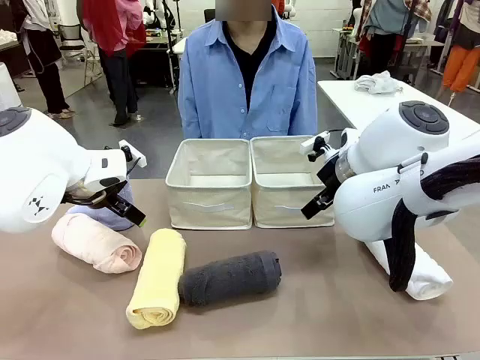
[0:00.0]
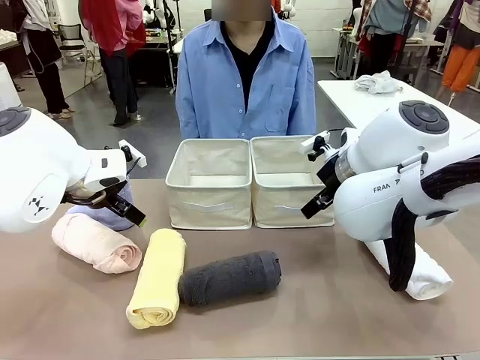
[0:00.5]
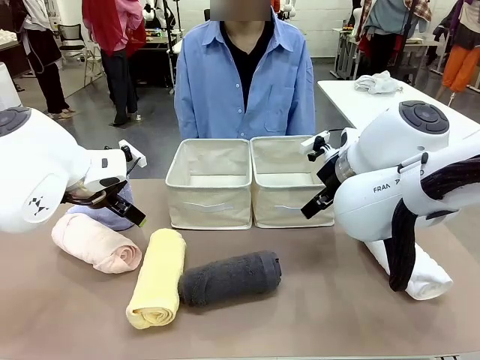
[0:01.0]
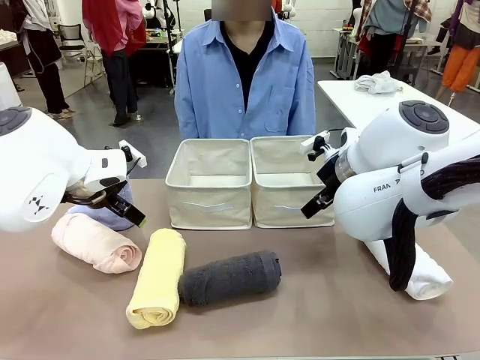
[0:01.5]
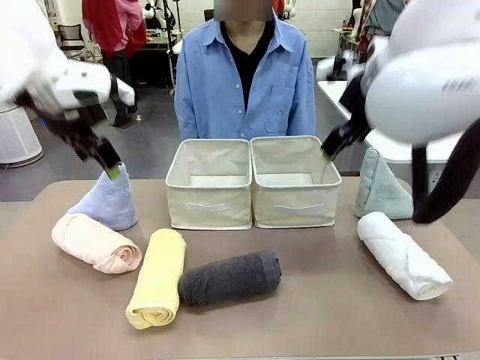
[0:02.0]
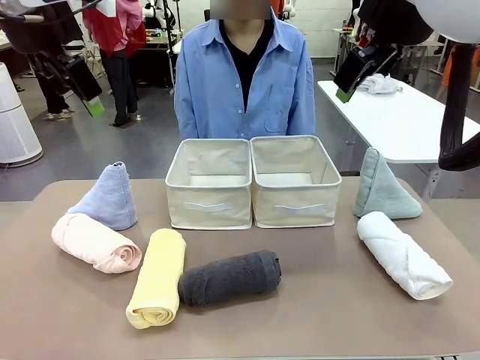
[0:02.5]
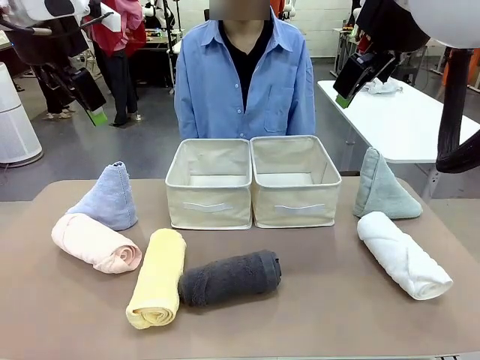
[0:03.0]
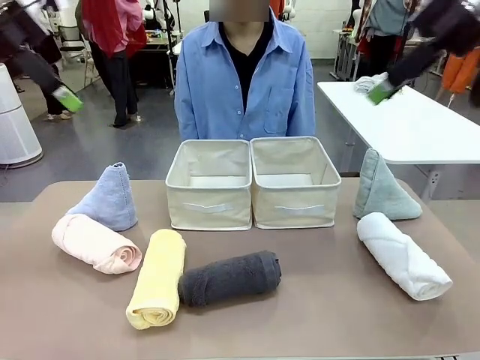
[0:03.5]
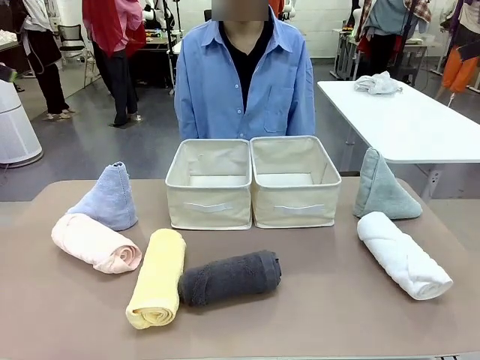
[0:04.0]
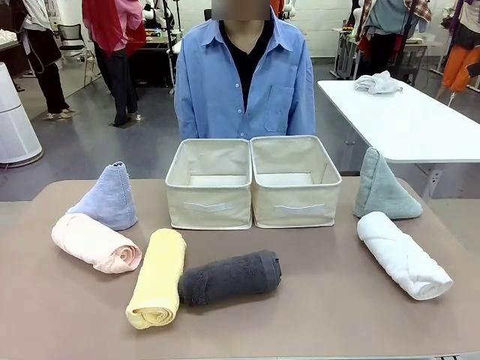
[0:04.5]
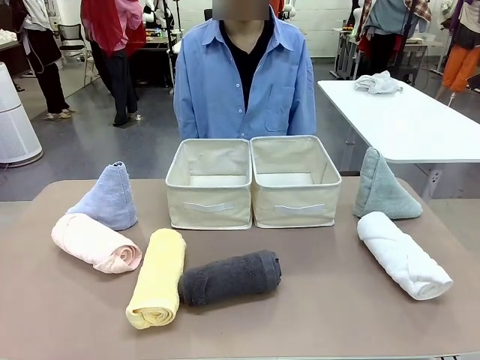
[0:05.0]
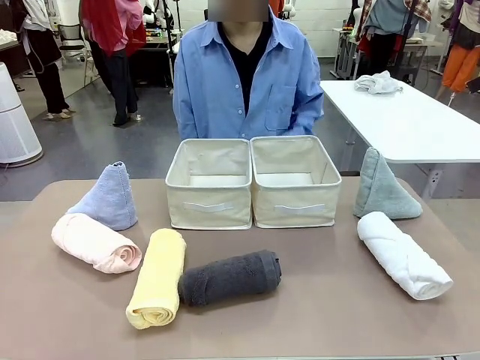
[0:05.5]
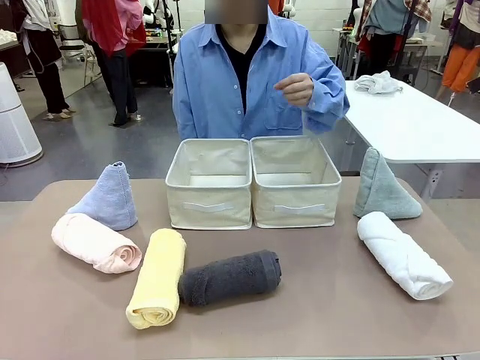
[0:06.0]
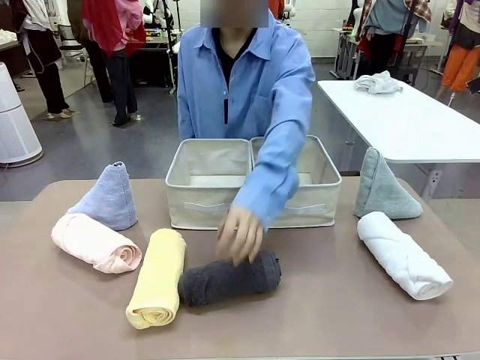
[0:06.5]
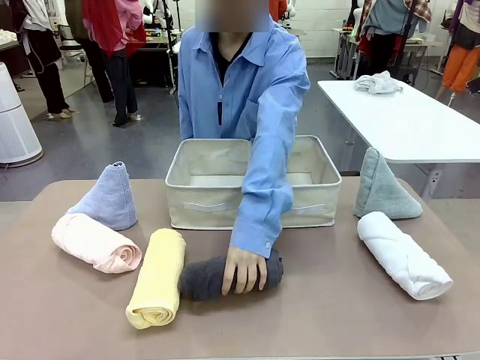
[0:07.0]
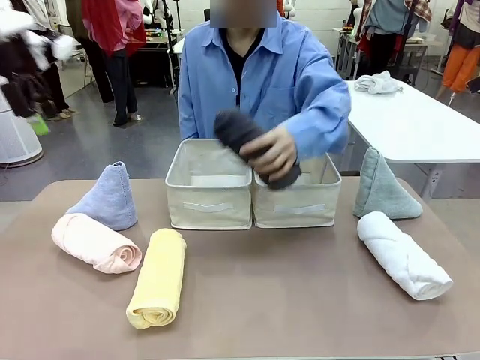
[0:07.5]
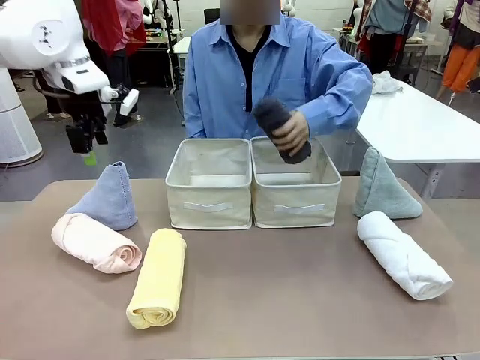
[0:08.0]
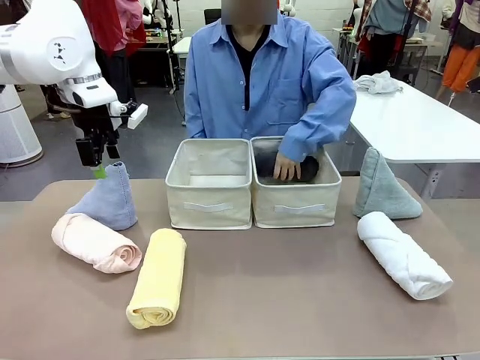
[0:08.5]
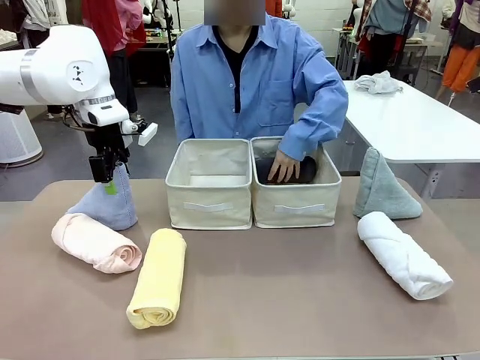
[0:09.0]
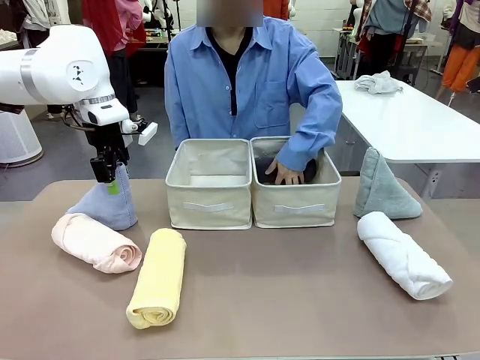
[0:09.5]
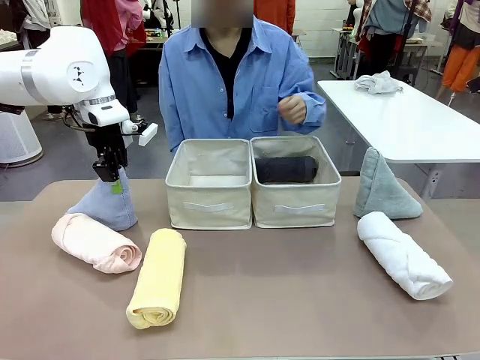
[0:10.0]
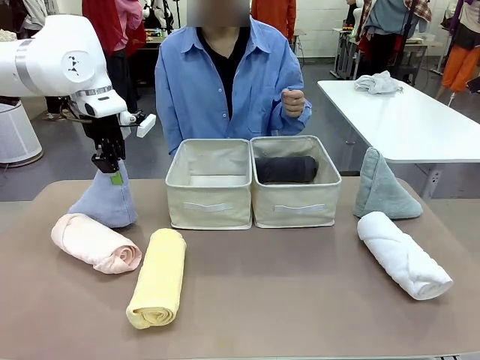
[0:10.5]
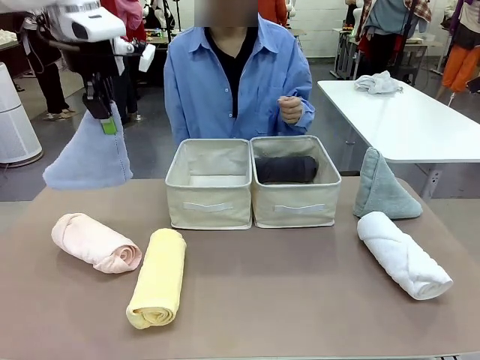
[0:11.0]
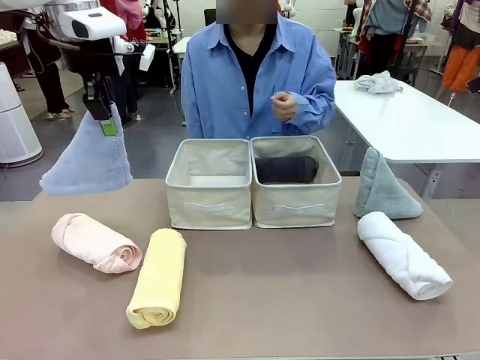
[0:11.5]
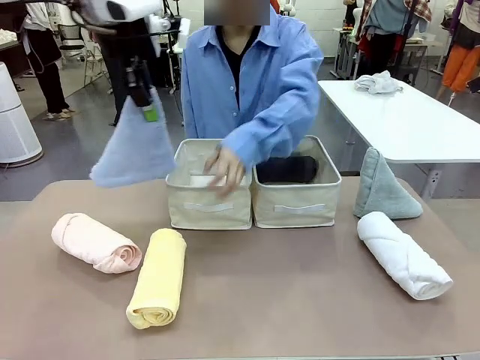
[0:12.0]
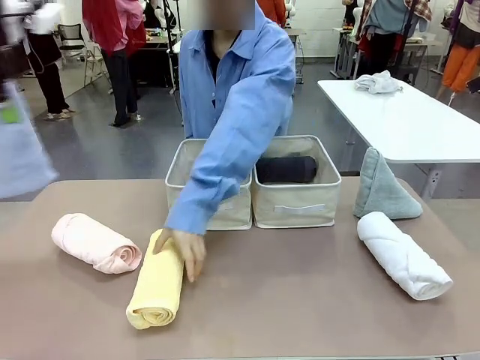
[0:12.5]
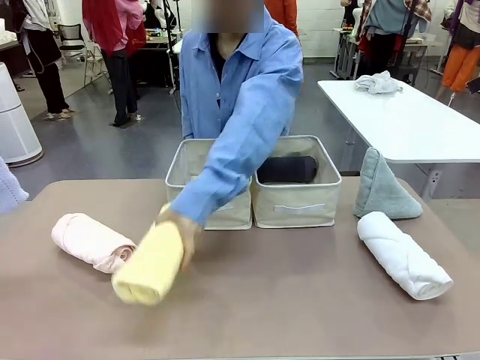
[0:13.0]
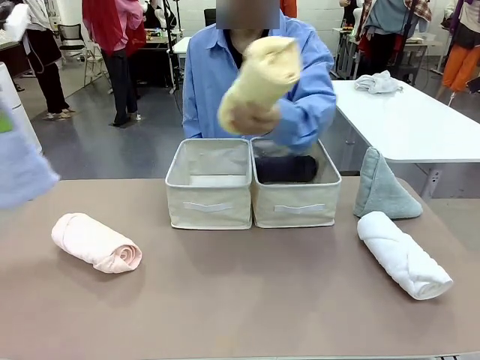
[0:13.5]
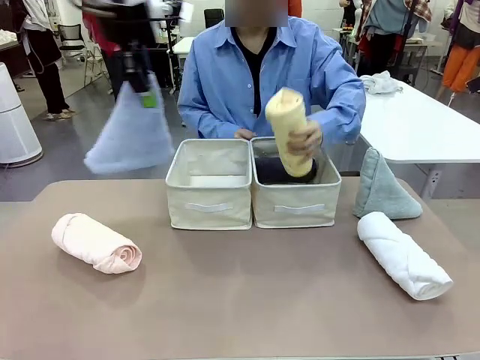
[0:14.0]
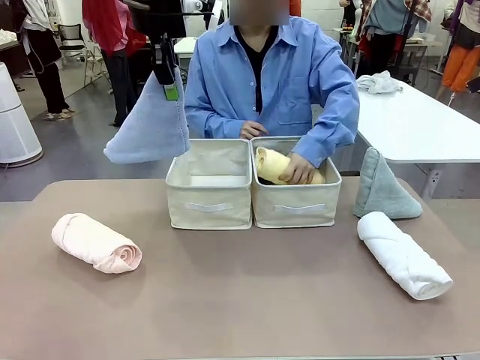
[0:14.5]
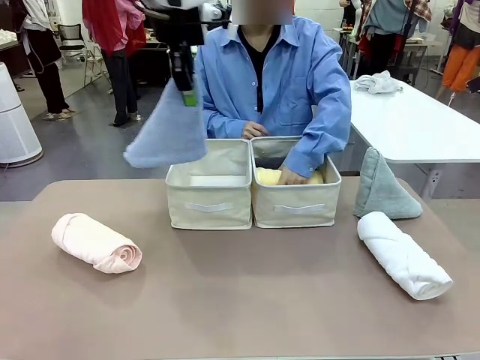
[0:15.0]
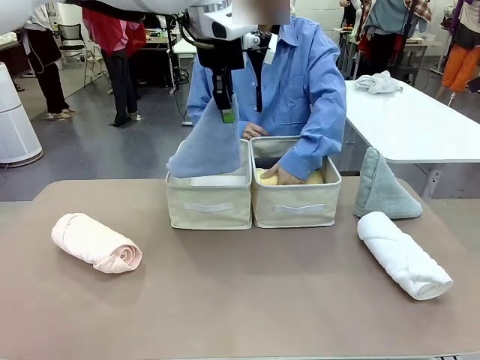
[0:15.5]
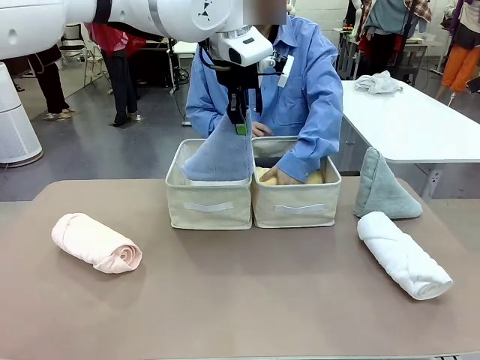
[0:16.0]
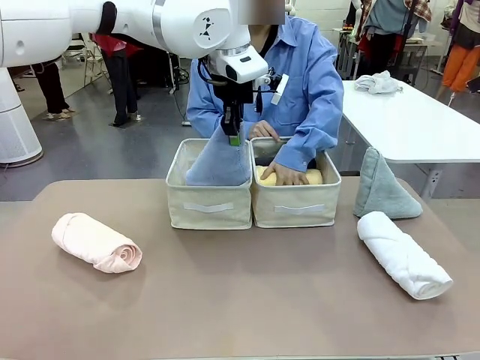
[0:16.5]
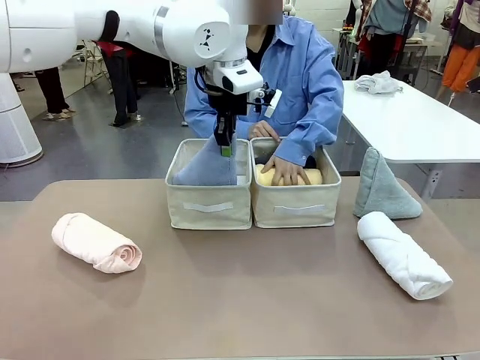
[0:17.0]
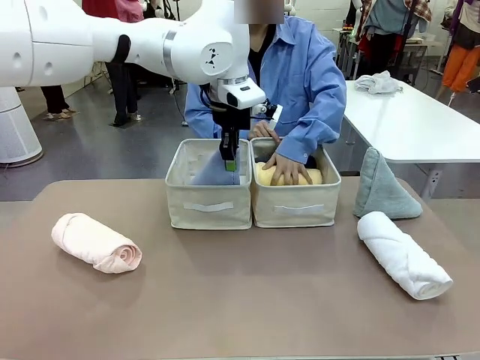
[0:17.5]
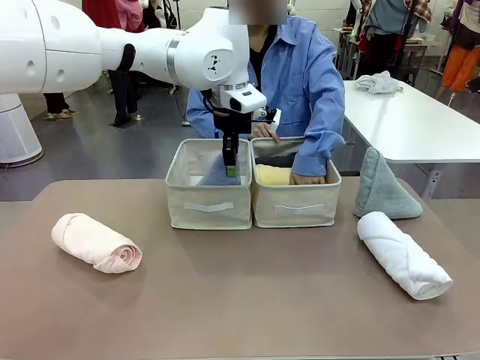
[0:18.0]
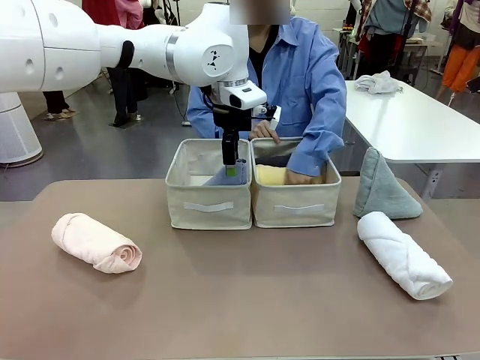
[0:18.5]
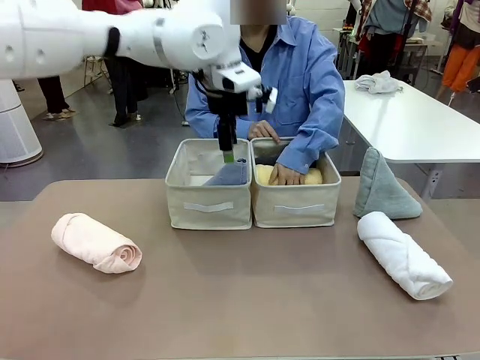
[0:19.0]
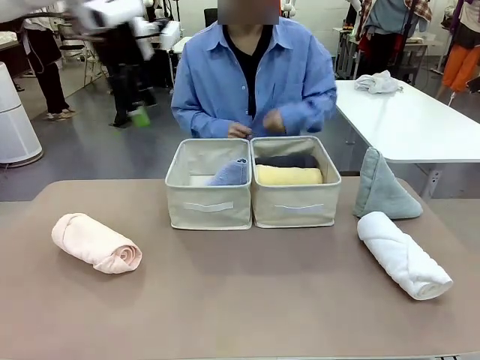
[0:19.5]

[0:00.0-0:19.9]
Task: Sort the towels based on their folding style.
Robot: Pick up one triangle-folded towel and place it in the left Fabric basket.
Person: Pick up one hotel-style rolled towel and place it in the left fabric basket.
